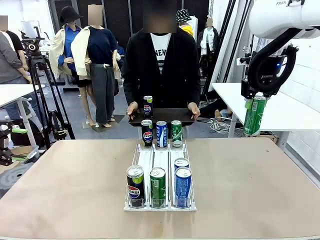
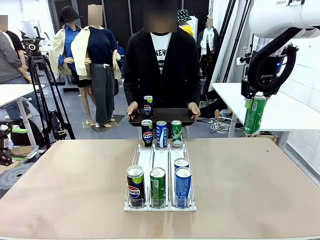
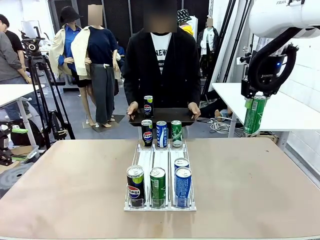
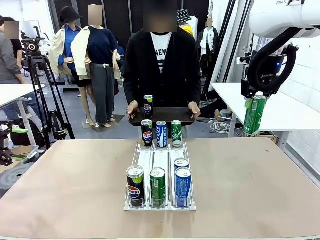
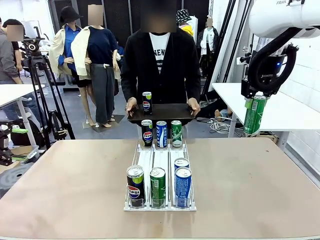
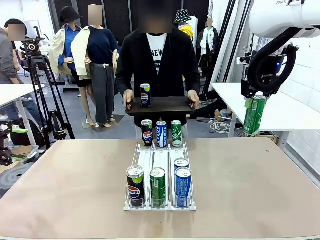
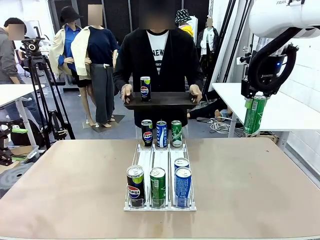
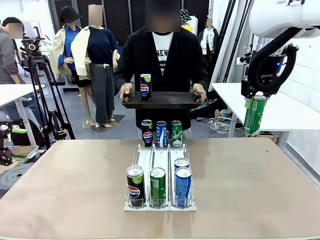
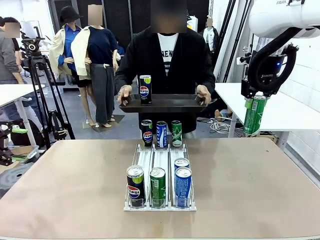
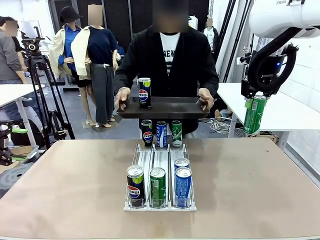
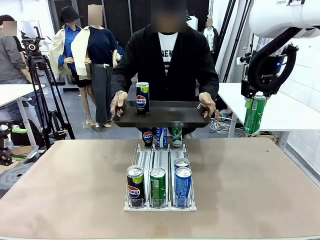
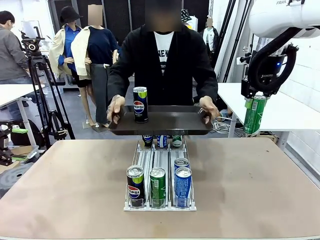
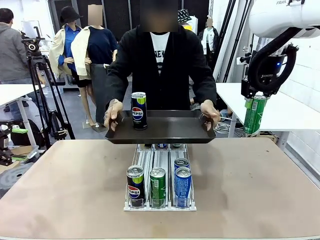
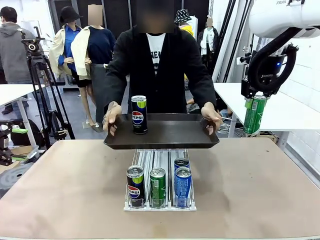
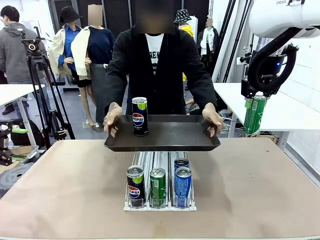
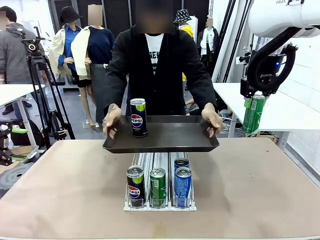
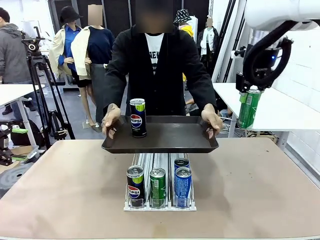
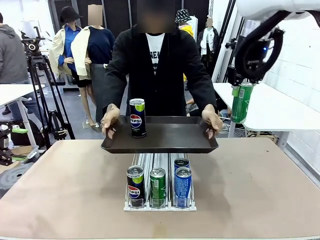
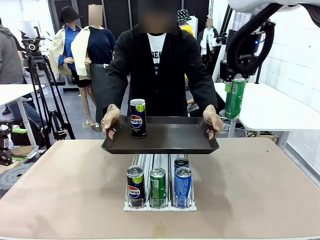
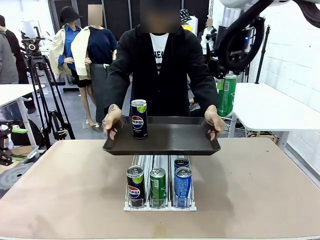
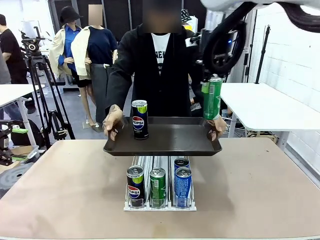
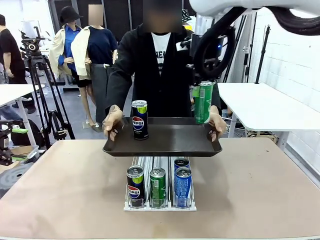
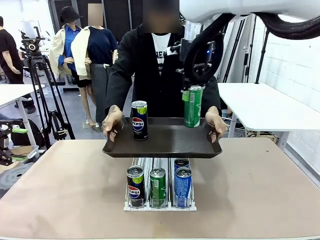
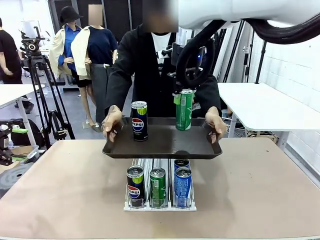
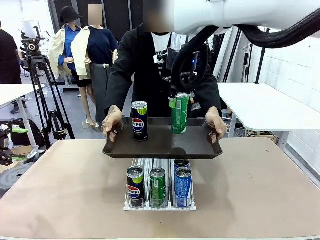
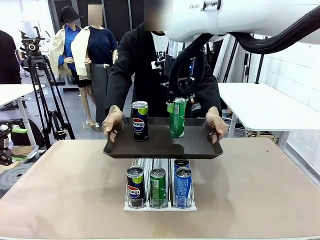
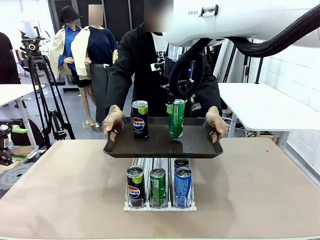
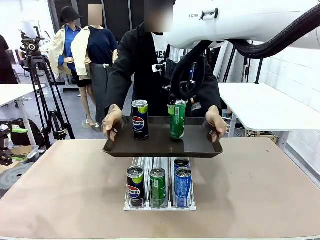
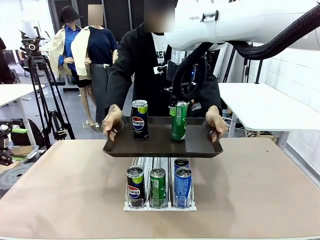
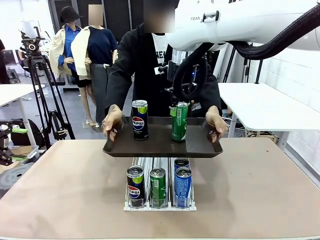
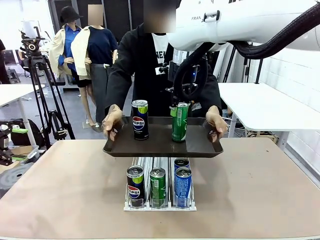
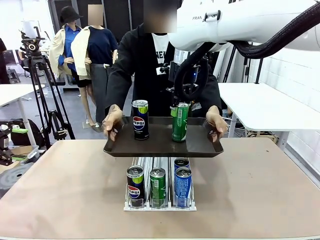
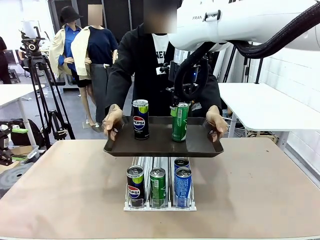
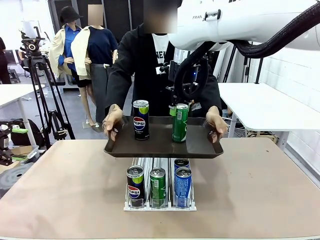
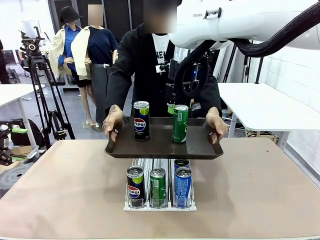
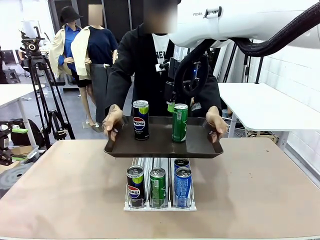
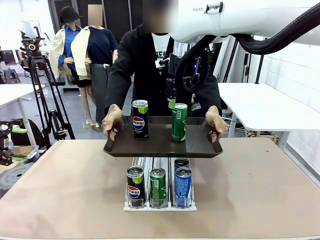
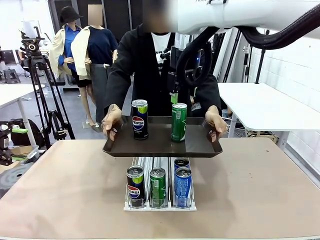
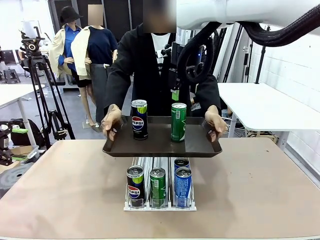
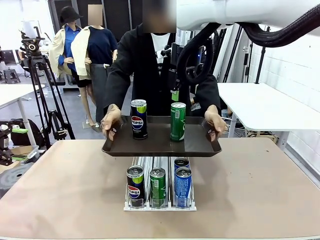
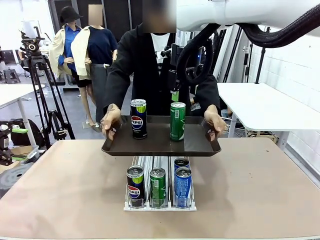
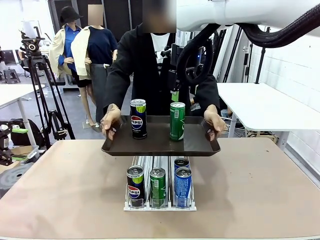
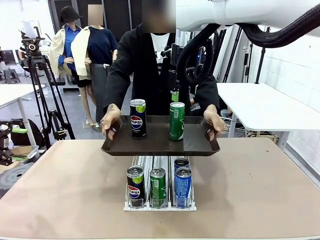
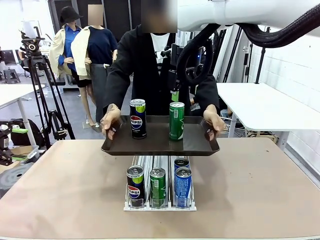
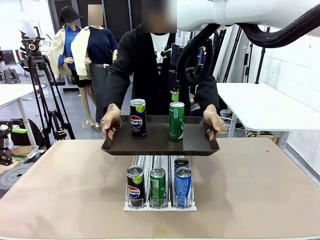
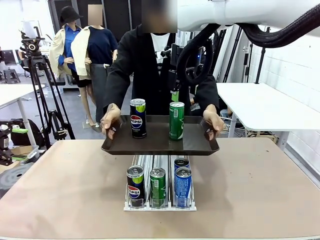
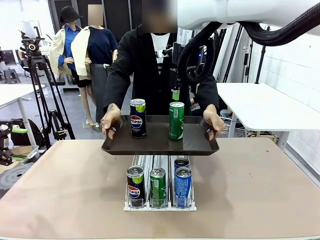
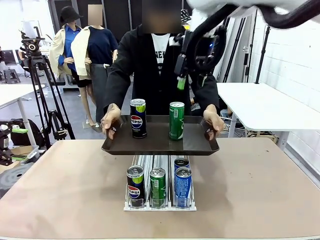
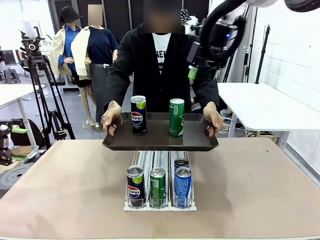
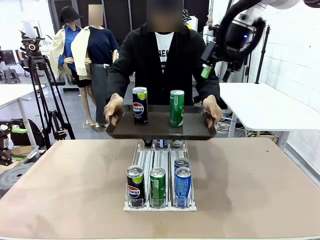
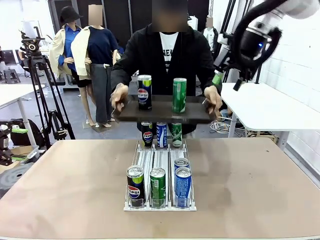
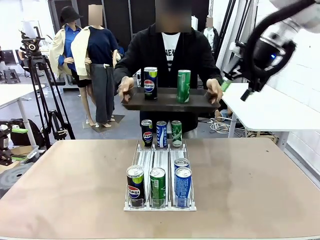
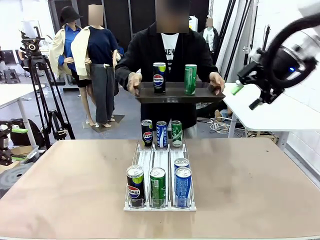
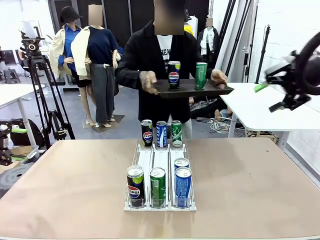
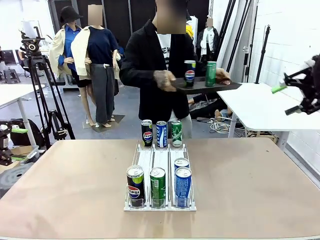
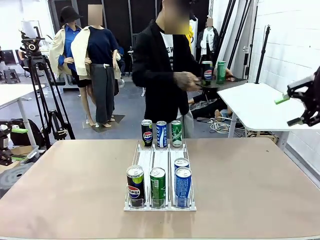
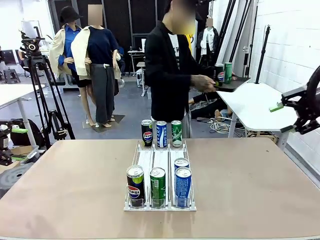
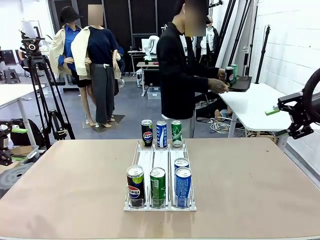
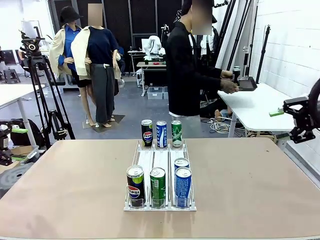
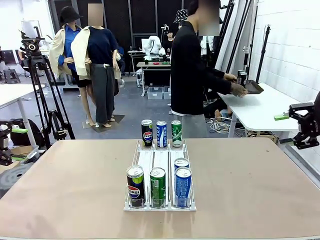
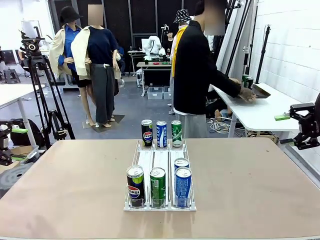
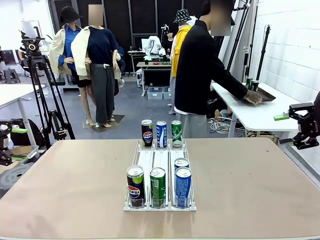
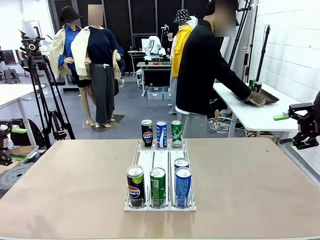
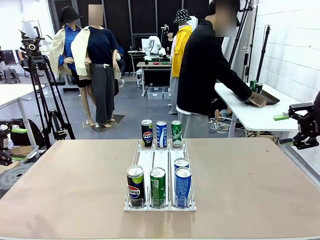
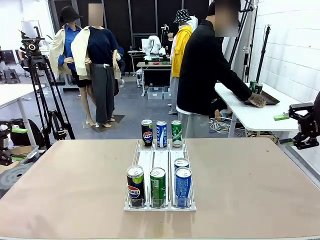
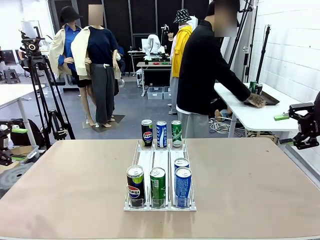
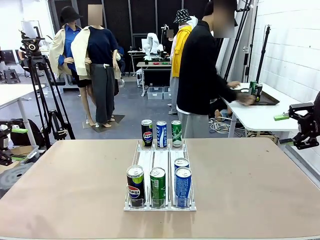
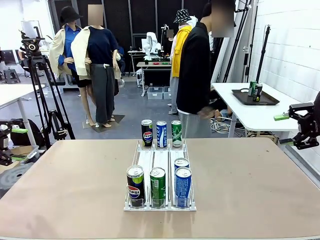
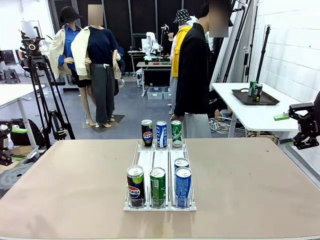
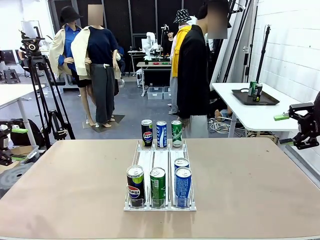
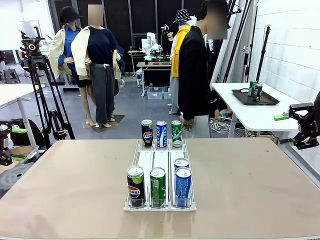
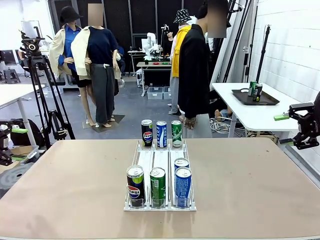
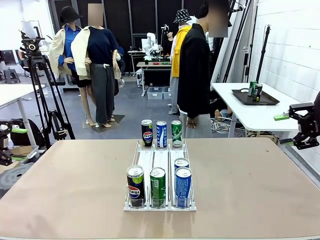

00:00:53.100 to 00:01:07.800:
Task: Retrieve and hand over the desired beverage to the person.
Robot: Place the picked can on the Handle tray extended by the person.
Person: Pull the tray back and place it at the center of the human table.

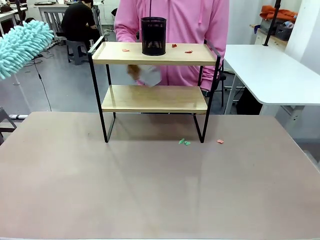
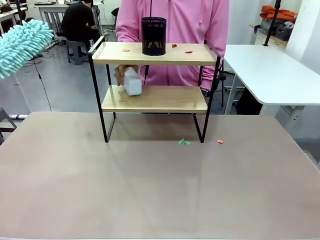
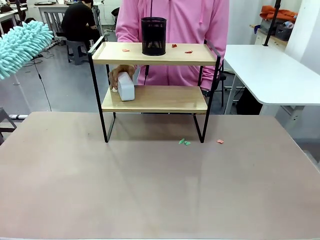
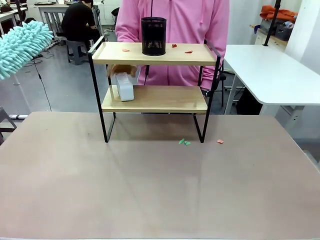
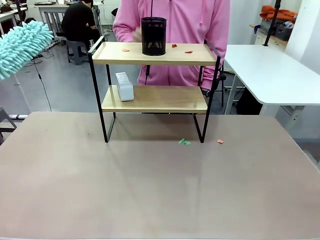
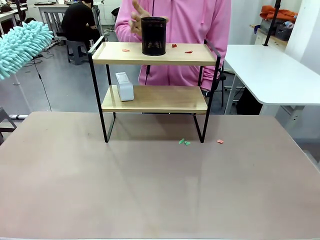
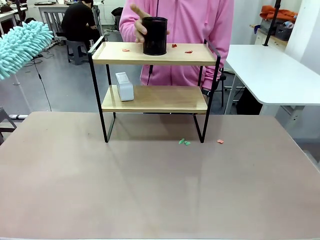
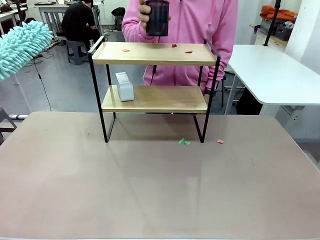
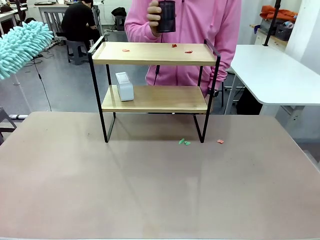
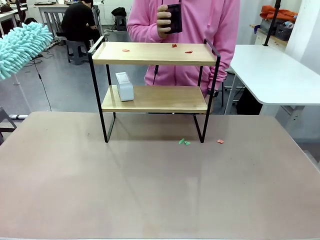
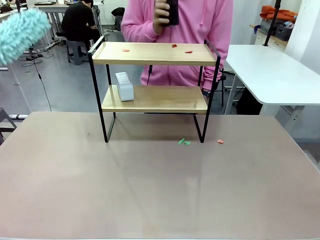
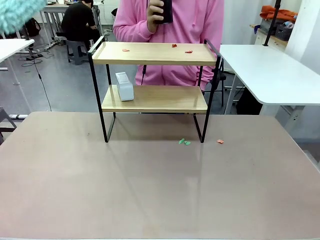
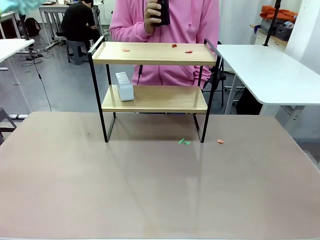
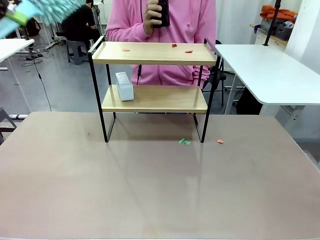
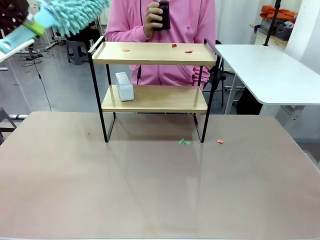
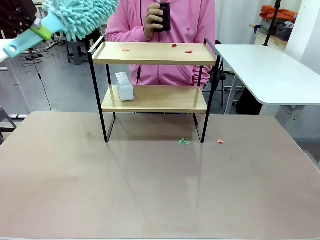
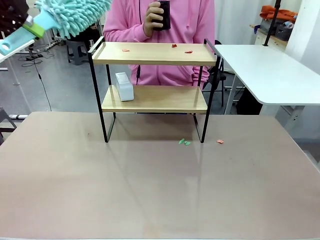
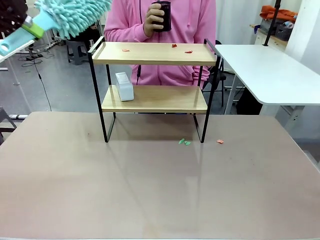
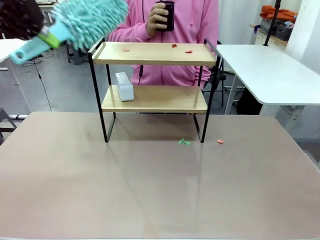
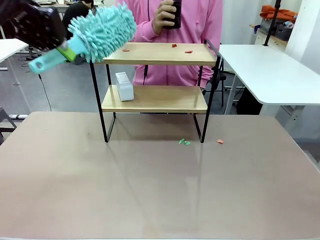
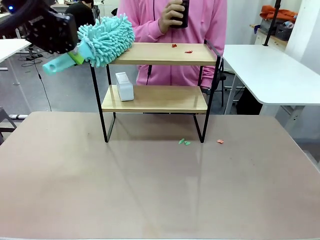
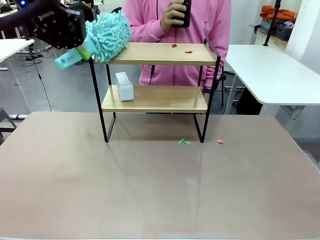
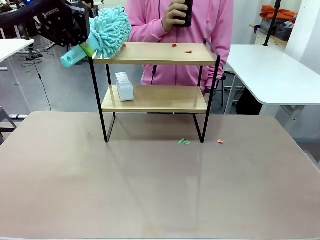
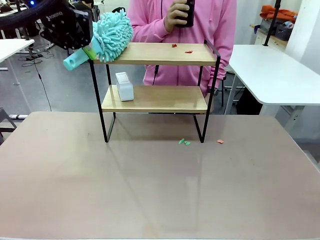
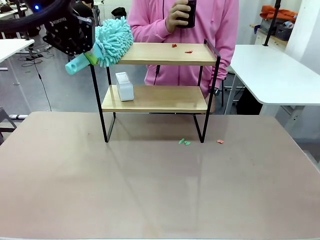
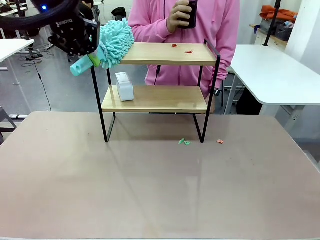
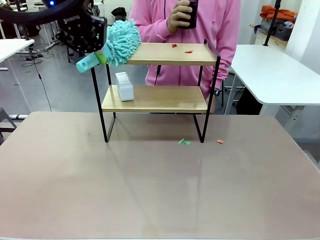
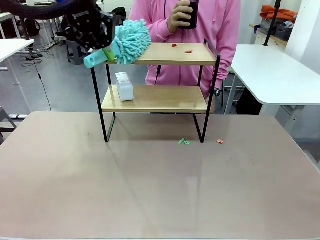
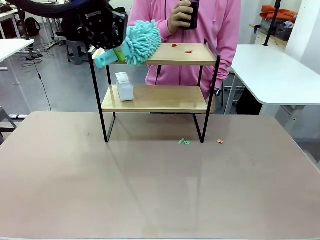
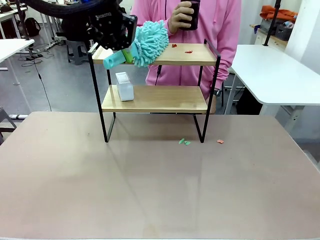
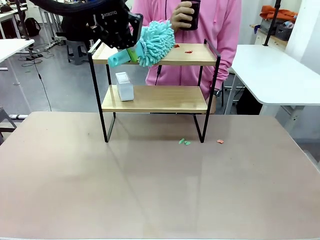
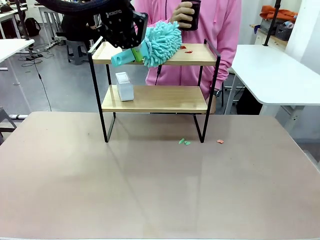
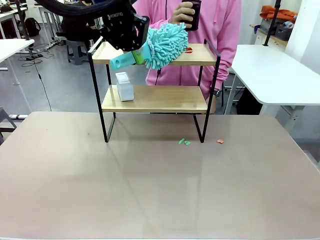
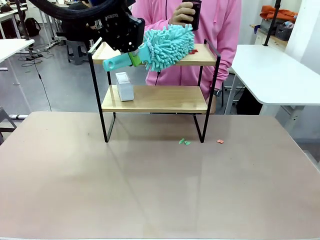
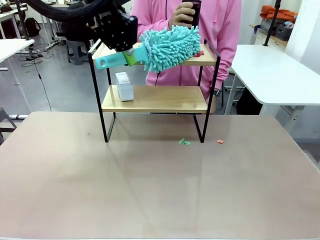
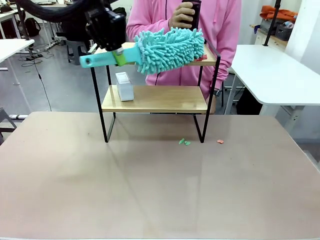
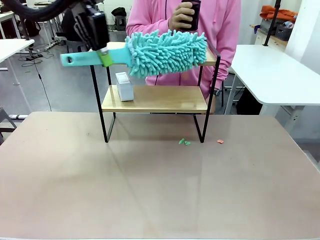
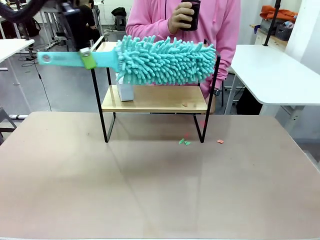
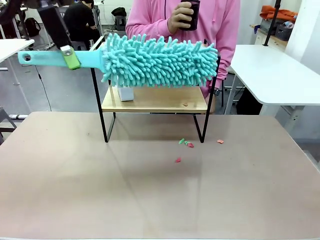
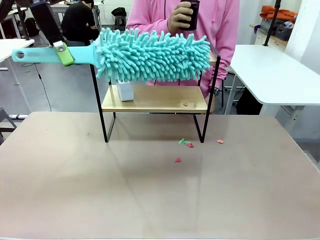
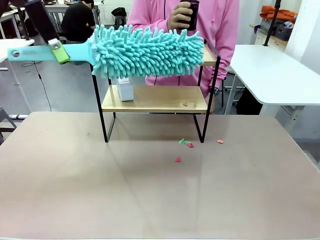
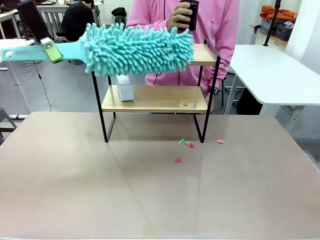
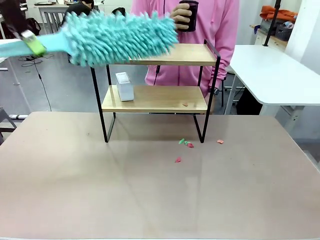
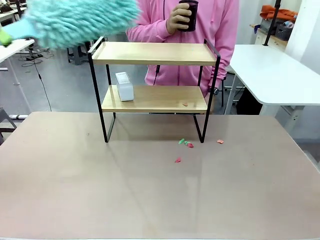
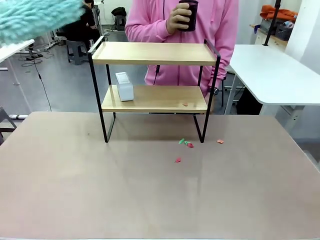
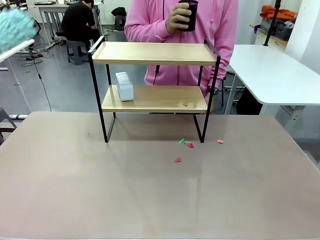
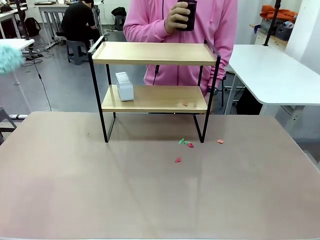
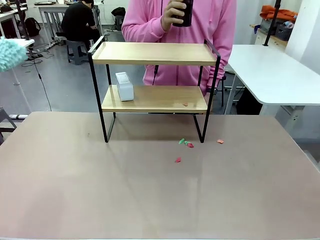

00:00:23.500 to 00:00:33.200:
Task: Clean the shelf.
Robot: Clean the remaining tier of the Shelf with the Duster once objects are removed.
